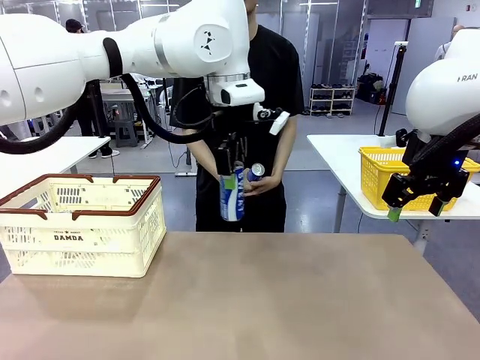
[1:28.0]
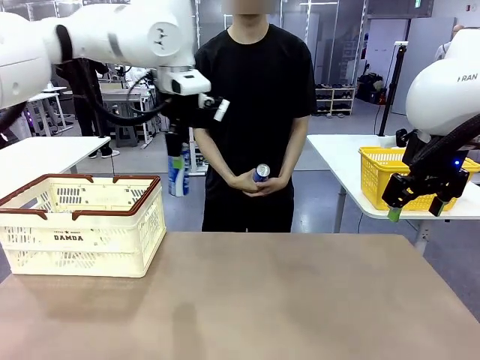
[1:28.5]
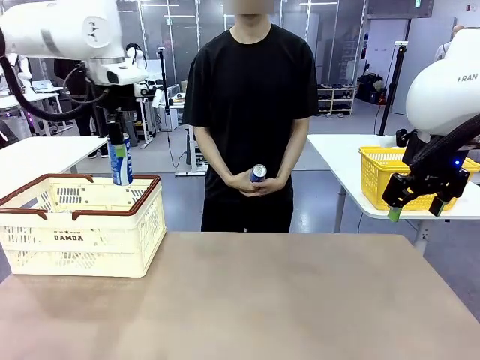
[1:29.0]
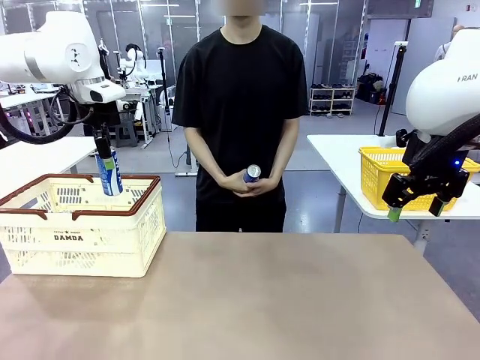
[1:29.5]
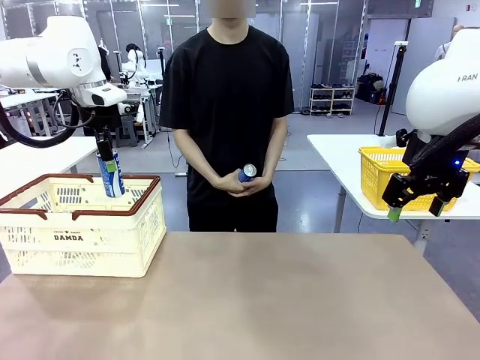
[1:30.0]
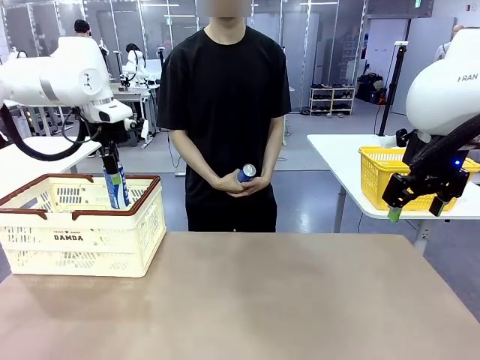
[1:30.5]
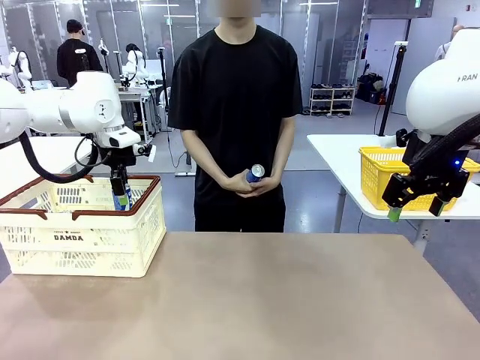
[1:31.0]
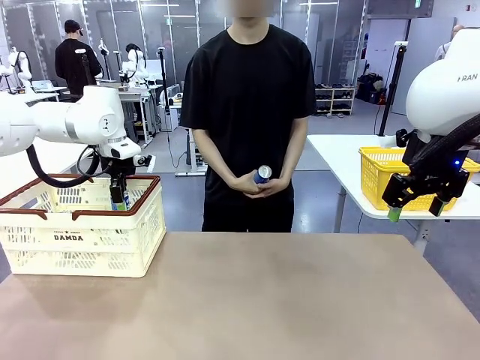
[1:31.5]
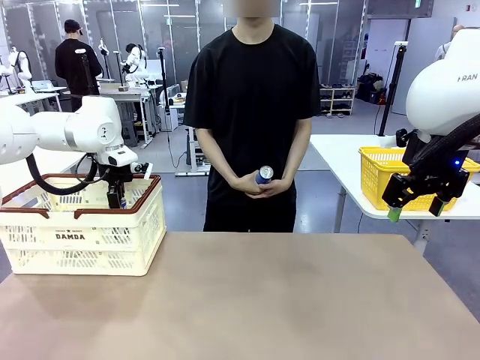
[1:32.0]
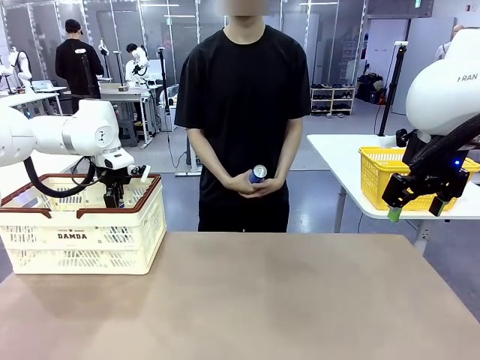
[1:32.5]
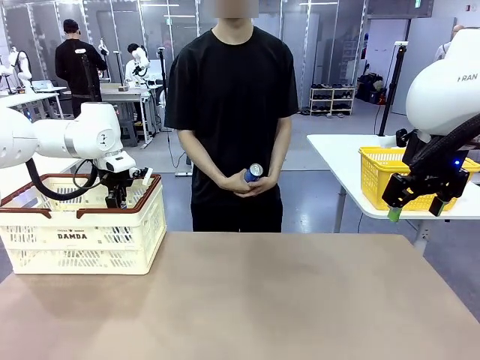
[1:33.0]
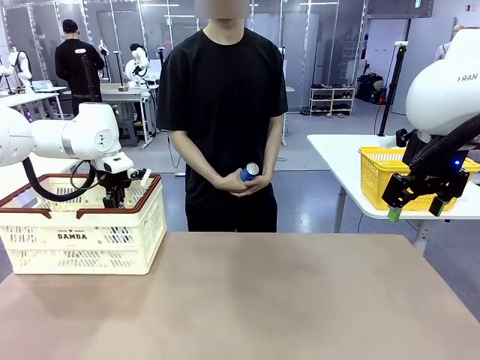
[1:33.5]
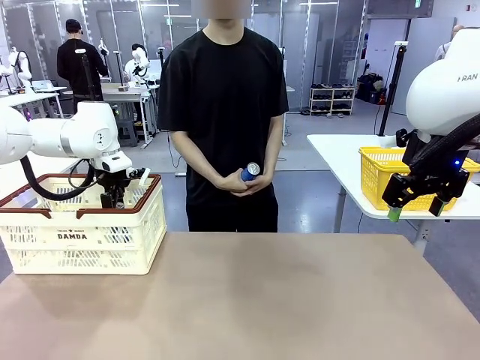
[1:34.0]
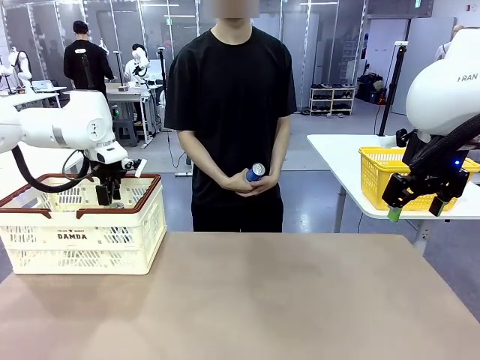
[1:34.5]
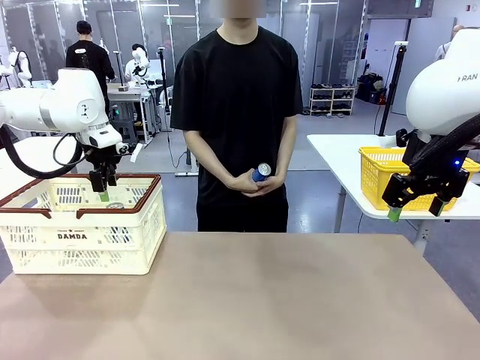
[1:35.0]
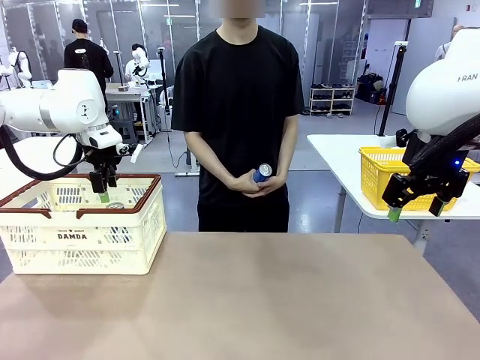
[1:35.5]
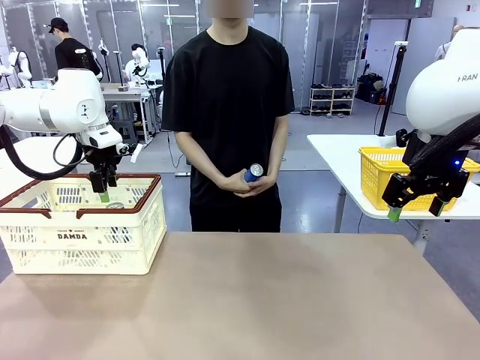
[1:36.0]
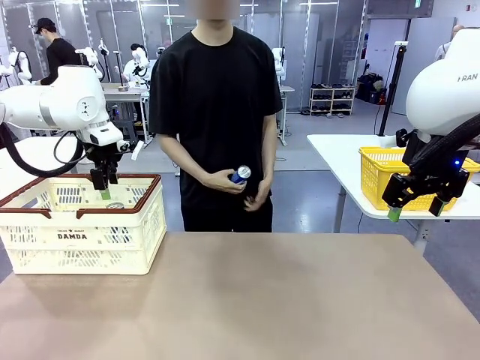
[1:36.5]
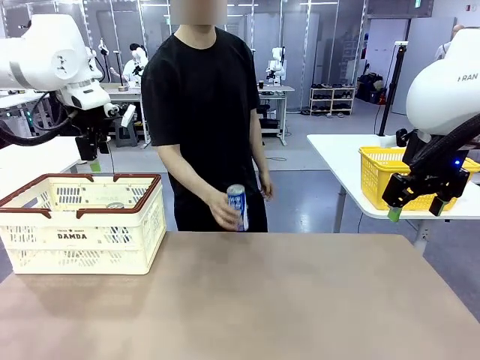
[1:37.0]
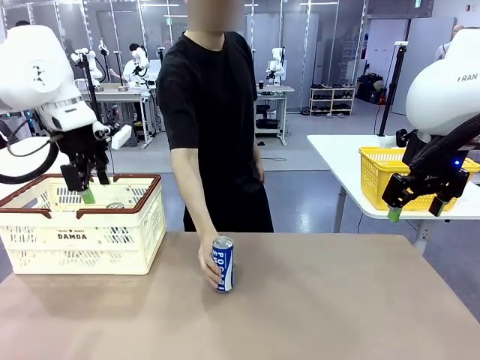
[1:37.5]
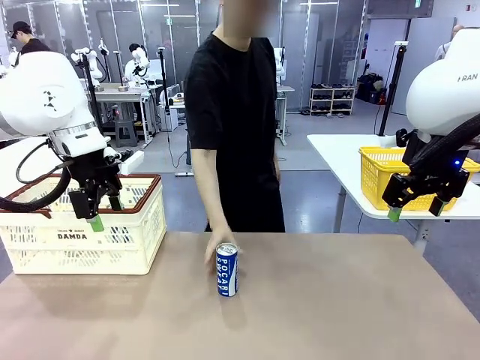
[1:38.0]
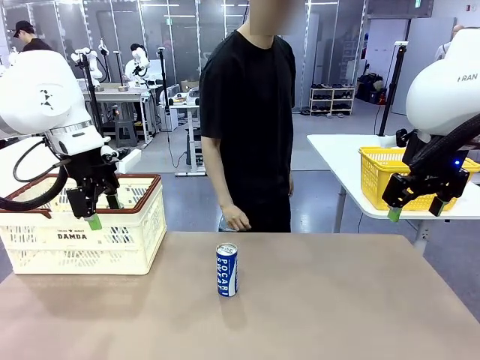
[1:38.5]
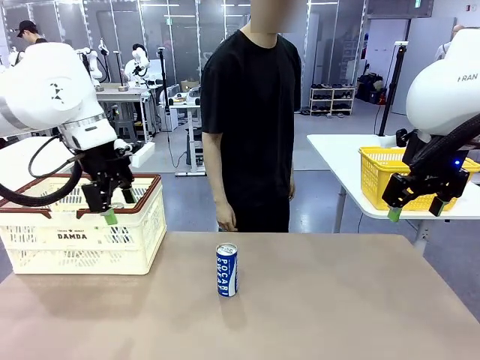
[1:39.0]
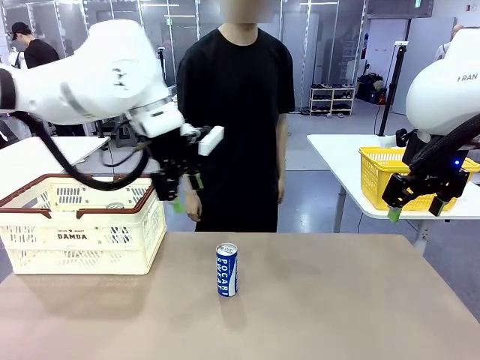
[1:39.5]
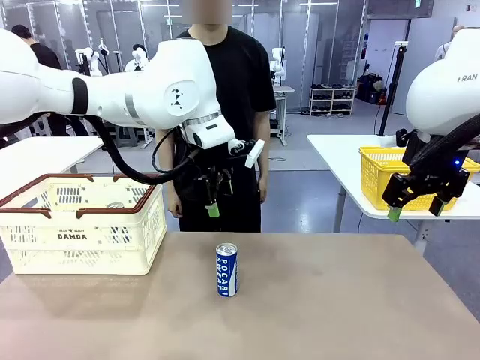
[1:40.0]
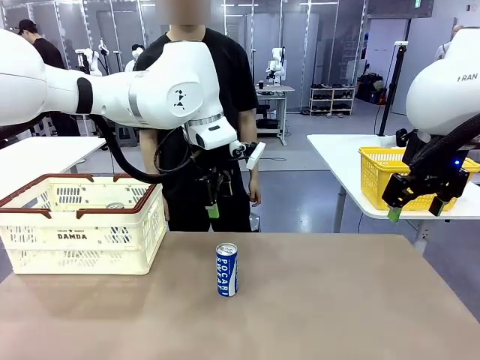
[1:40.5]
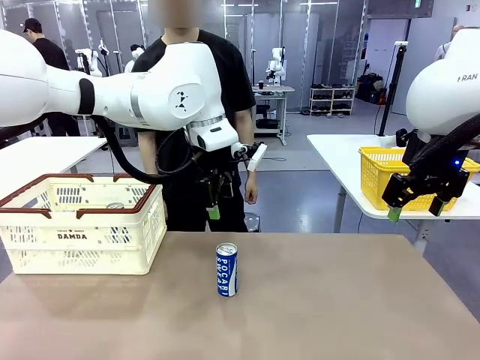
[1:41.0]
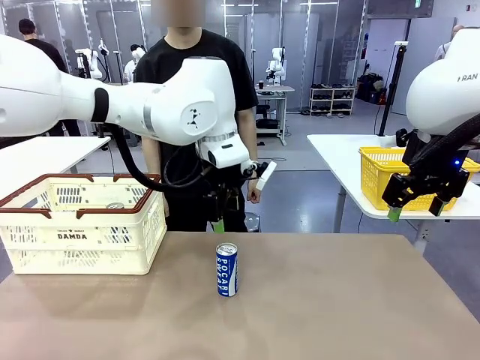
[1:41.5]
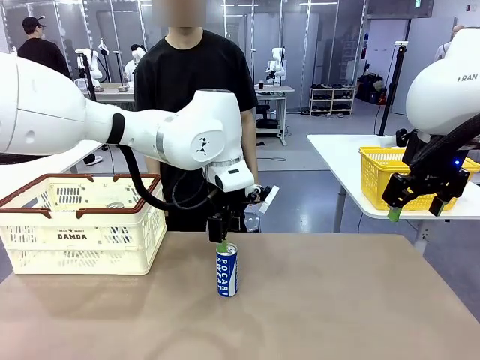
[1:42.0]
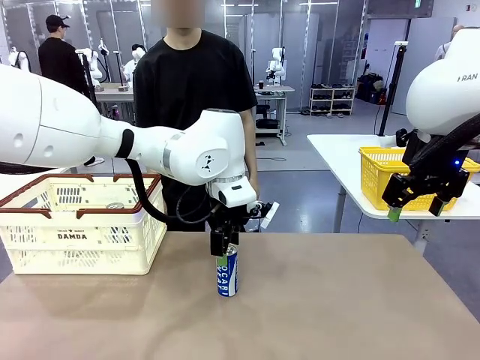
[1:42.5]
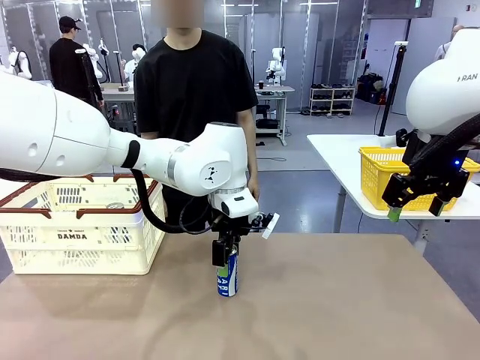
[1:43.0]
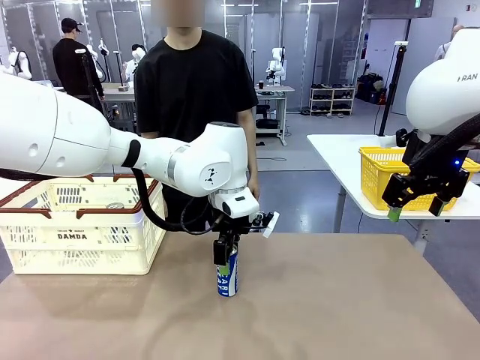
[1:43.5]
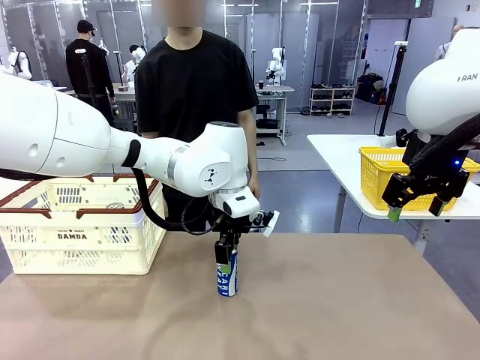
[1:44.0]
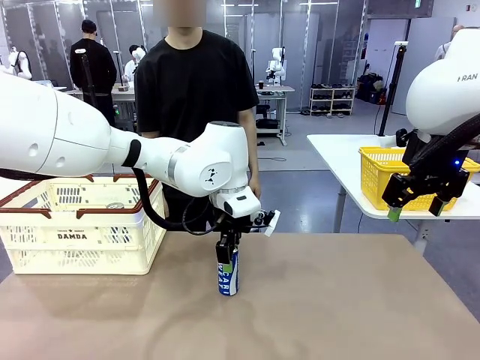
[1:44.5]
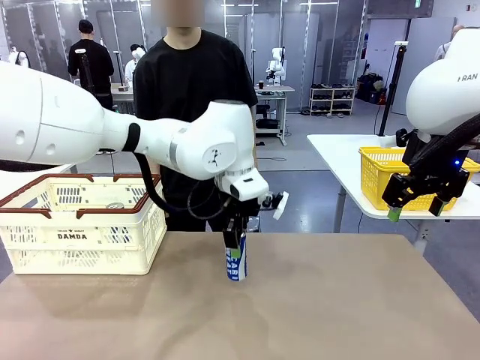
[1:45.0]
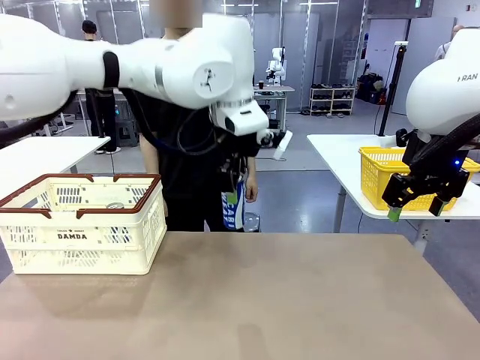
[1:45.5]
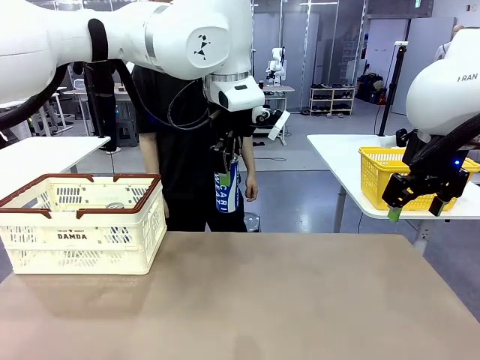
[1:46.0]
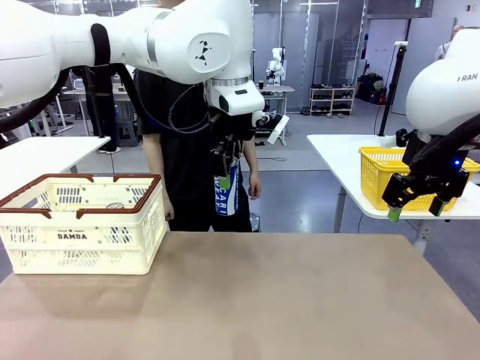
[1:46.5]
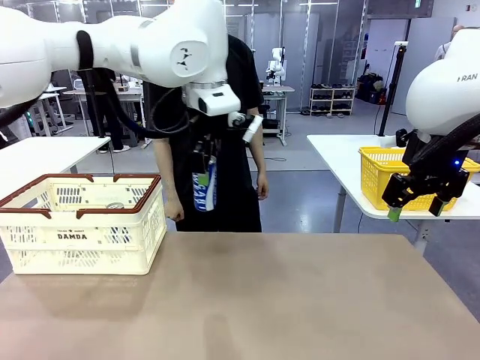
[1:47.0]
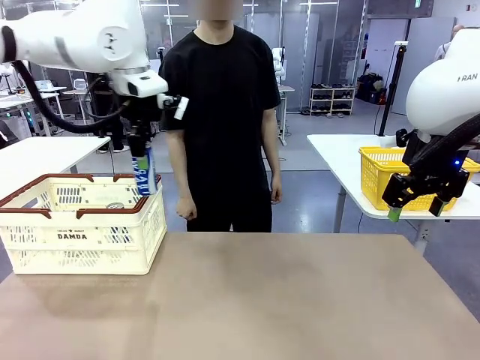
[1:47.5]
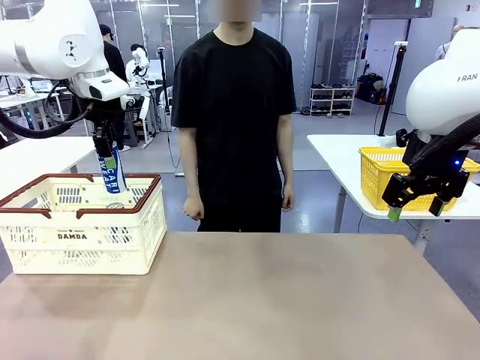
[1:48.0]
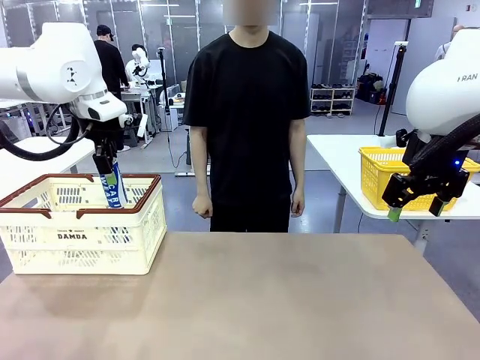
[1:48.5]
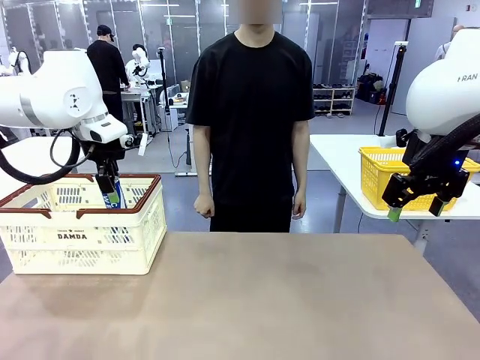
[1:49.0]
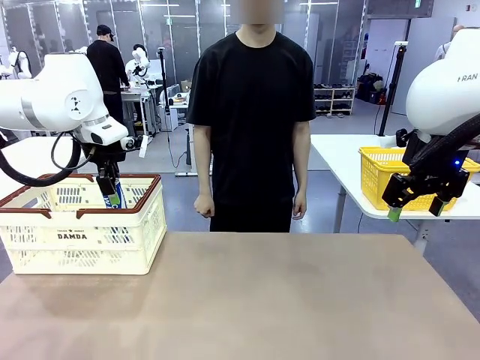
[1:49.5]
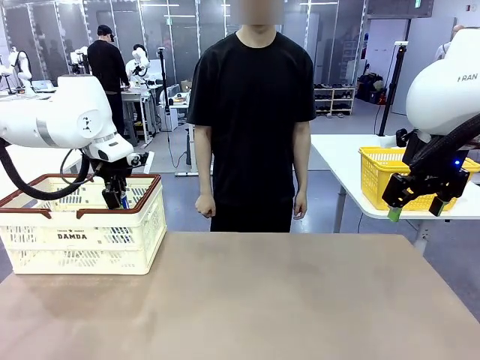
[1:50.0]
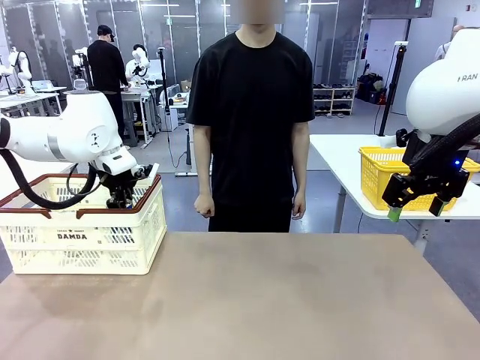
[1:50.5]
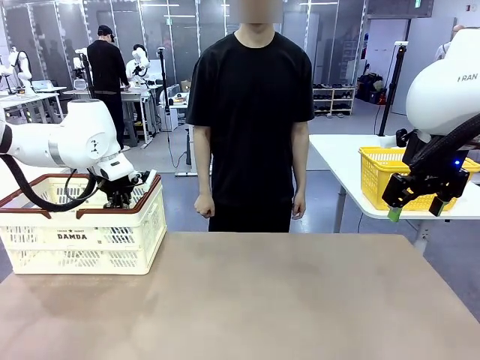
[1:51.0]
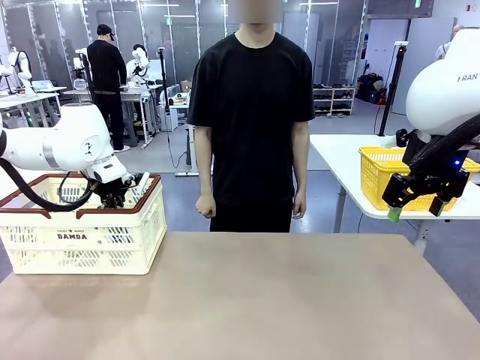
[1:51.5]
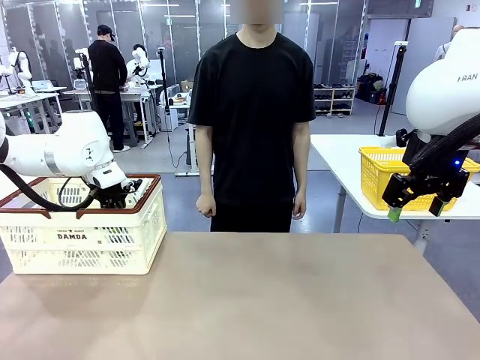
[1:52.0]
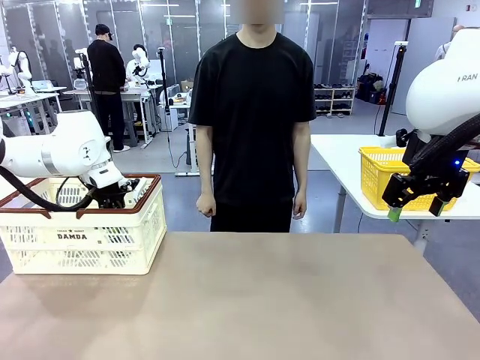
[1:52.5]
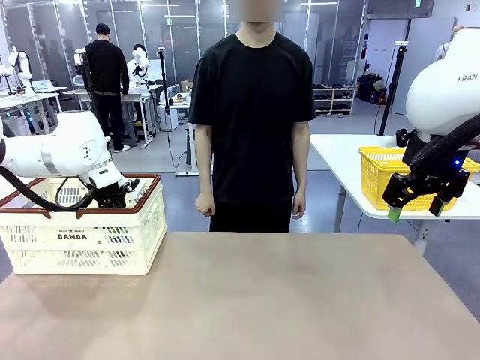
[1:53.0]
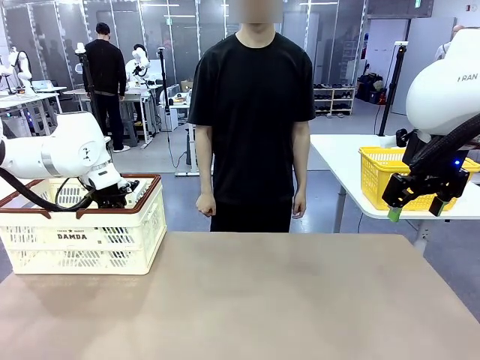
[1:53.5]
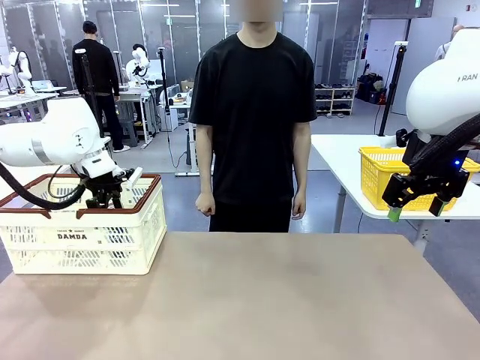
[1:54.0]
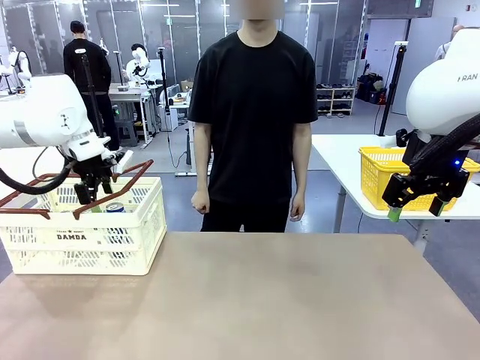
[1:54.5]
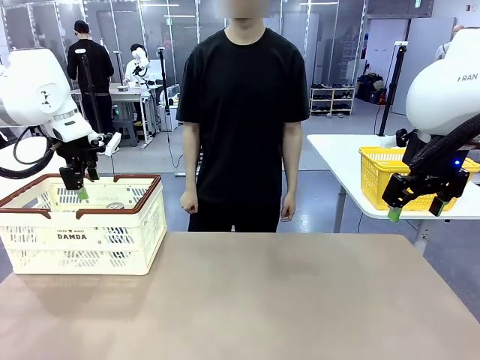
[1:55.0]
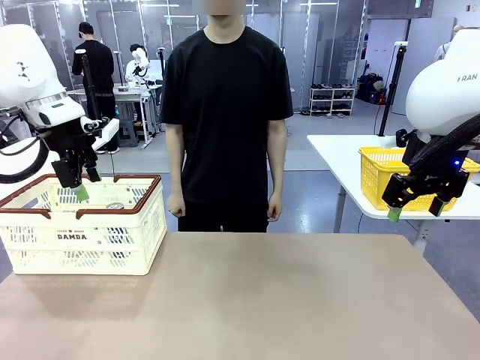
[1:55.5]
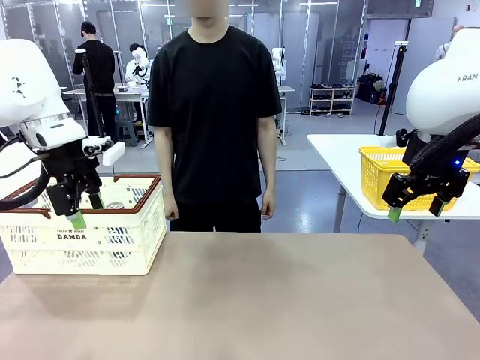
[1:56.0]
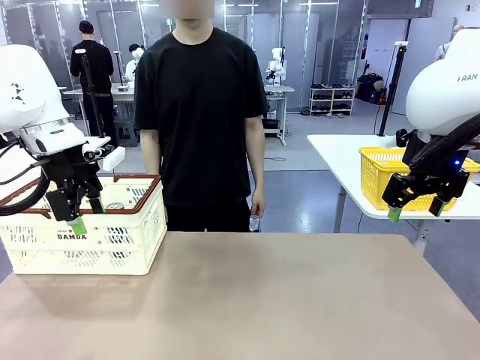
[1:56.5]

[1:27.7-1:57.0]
Task: Place the drinks into the Shopping basket.
Robot: Pick up one drink and place it into the Shopping basket.
